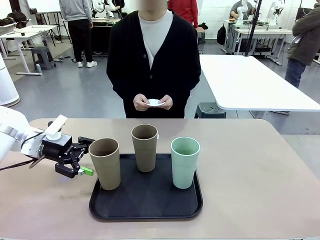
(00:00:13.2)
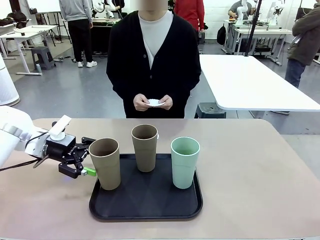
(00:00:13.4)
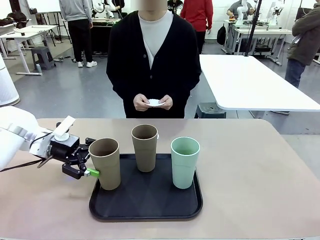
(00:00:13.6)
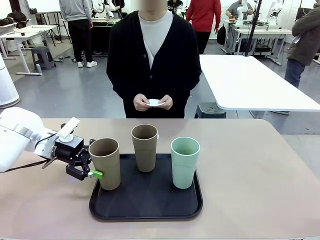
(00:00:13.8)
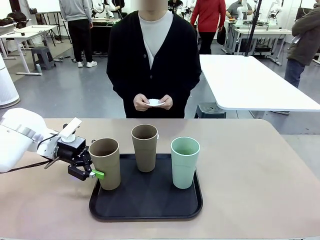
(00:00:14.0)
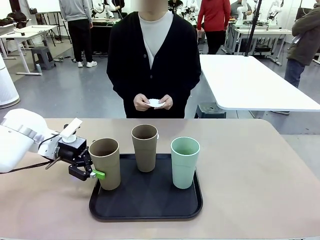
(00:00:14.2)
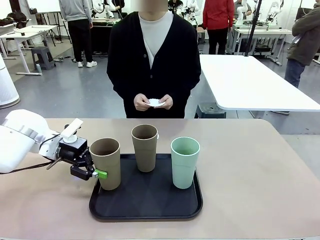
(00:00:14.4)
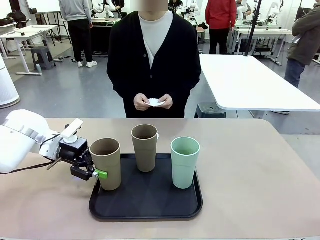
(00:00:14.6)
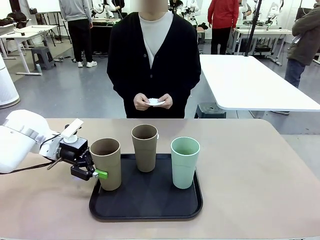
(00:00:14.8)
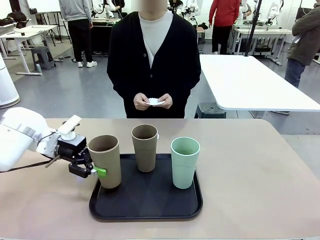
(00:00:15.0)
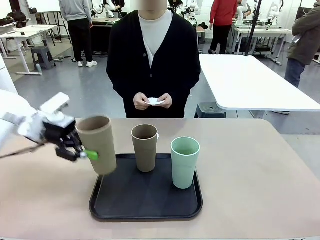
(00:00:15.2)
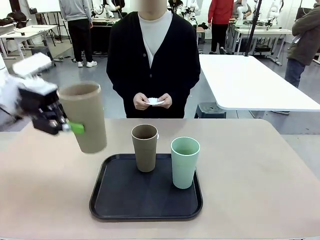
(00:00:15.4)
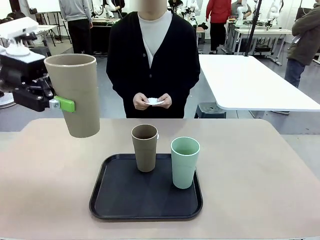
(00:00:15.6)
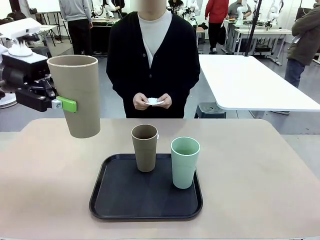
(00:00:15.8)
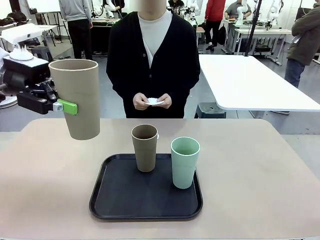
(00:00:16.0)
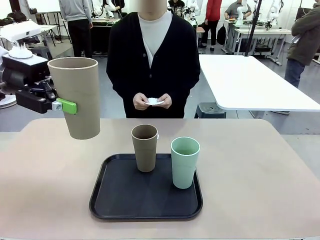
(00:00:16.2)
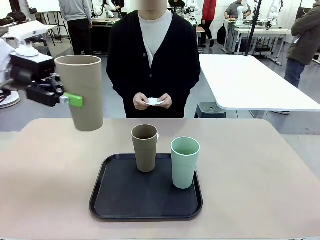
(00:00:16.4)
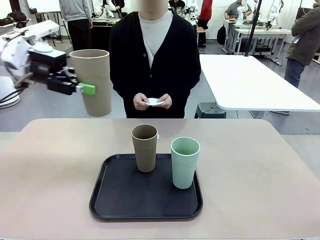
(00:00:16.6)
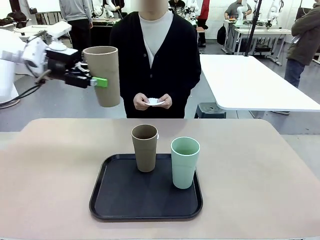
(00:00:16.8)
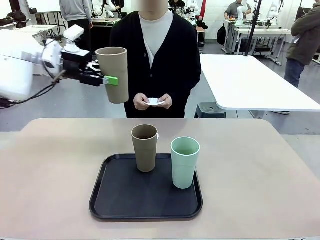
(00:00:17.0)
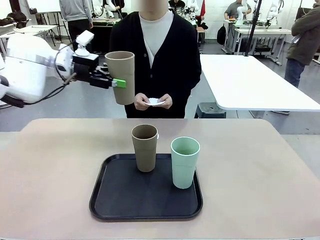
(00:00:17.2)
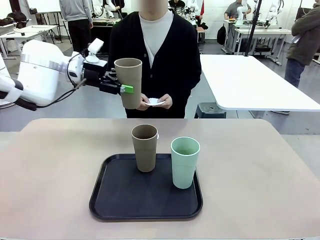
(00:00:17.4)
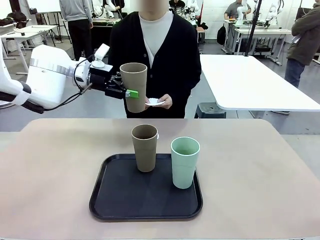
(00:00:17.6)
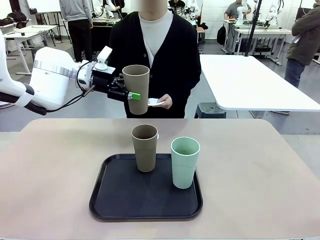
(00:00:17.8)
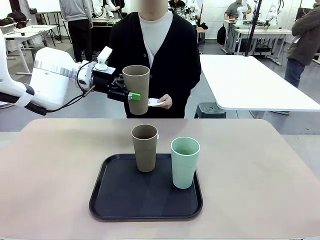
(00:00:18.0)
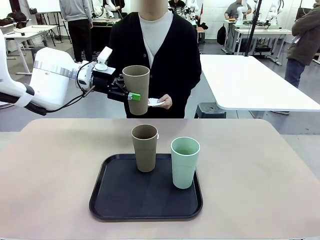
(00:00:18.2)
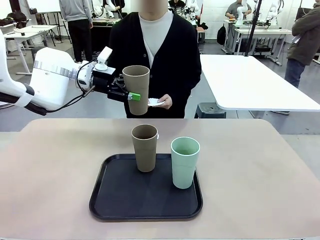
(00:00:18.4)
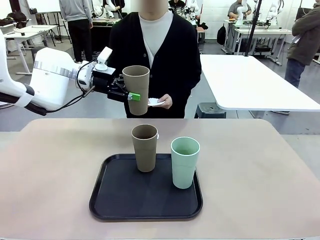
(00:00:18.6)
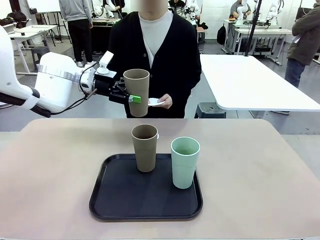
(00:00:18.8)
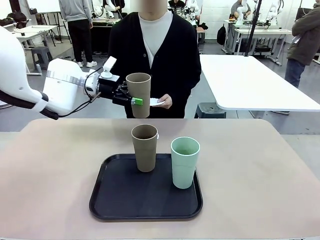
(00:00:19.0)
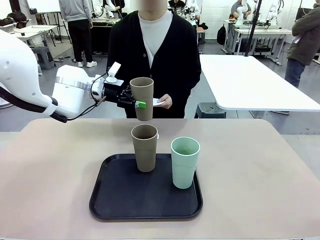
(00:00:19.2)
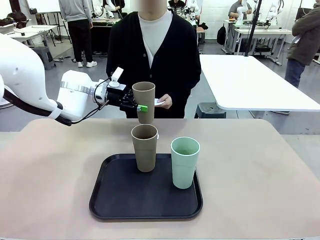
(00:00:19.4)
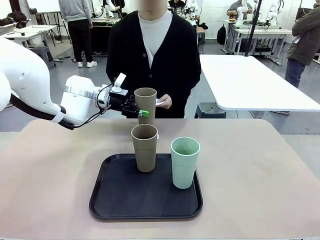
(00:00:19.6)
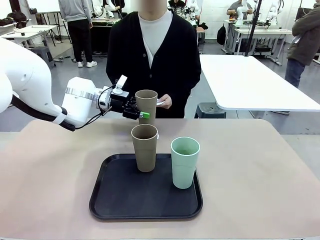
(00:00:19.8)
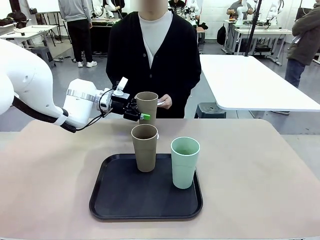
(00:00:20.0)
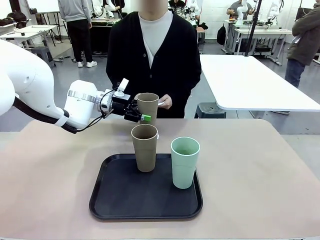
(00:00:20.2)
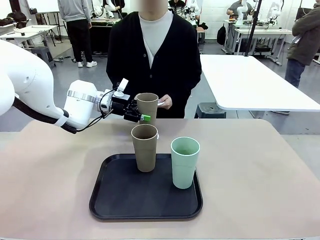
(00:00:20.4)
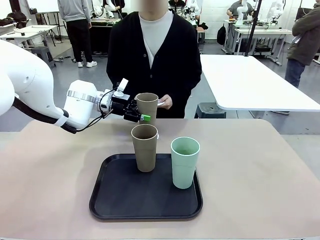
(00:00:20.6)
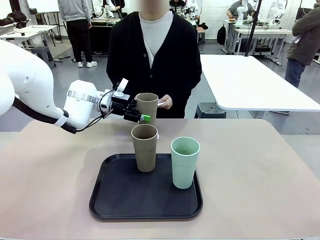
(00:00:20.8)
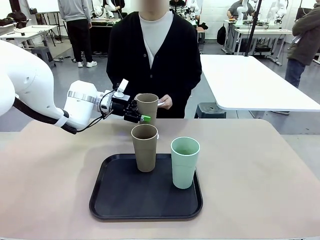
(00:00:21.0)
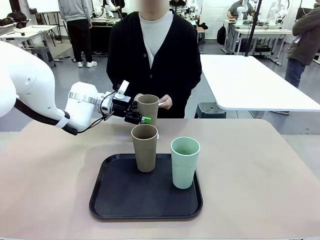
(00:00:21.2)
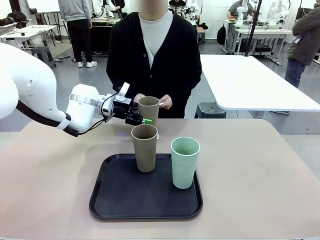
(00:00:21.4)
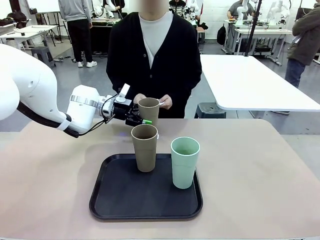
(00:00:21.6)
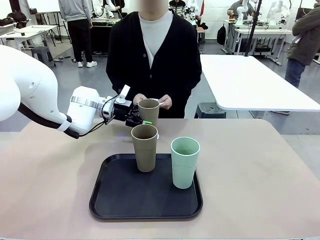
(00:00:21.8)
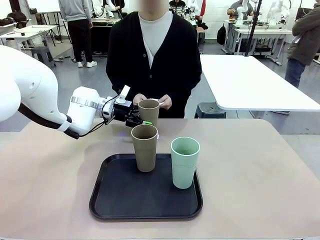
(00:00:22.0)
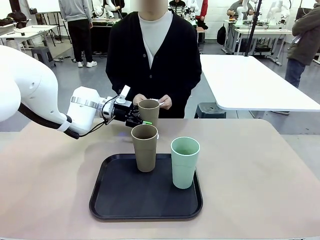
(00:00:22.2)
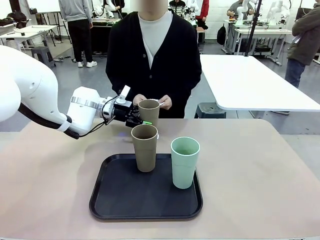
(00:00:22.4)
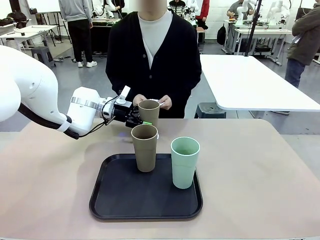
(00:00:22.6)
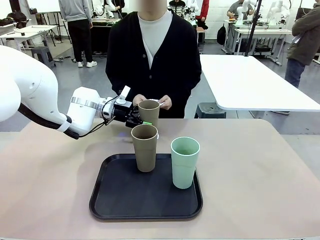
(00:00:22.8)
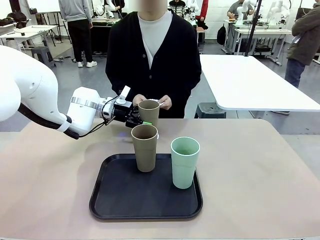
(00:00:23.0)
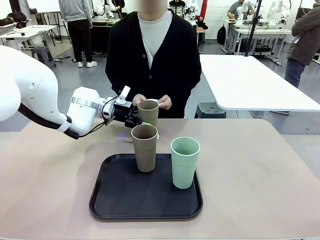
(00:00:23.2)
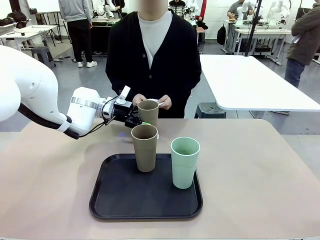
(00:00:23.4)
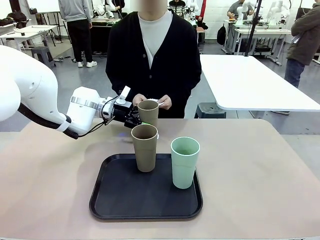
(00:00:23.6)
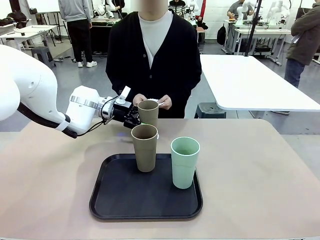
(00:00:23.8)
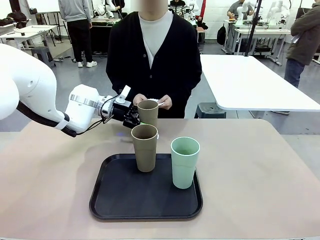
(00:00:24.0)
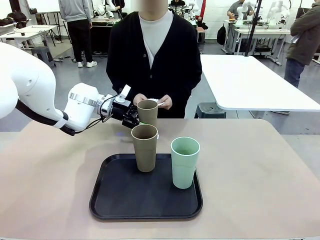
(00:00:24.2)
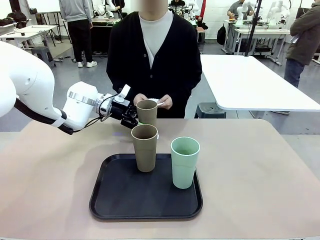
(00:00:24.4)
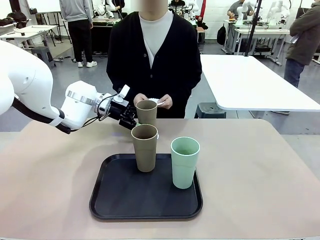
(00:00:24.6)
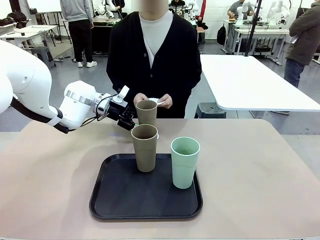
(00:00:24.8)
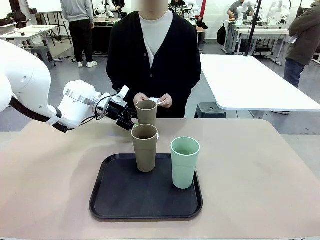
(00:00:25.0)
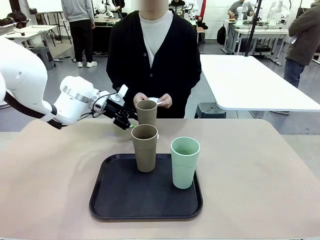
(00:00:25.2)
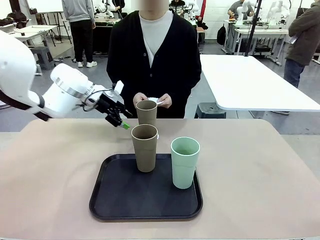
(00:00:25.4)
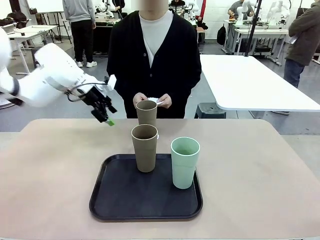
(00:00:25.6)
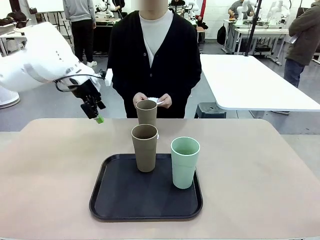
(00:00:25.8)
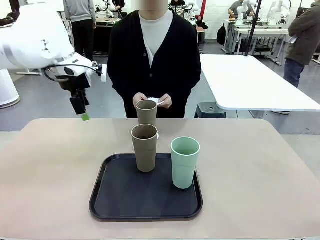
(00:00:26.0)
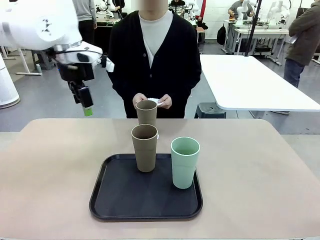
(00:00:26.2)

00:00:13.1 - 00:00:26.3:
Task: Place coasters on the table and set cups on them.
Robot: Pick up one Reusable plastic cup and place it on a coaster set by the human.
Person: Place one coaster in one of the two areas excluding the previously selected area.
